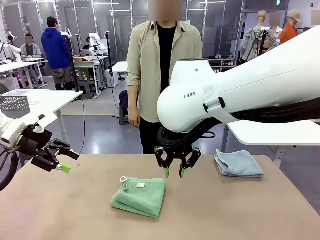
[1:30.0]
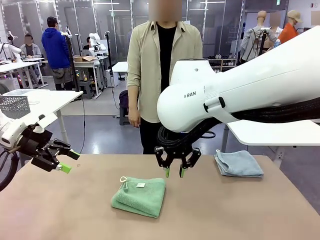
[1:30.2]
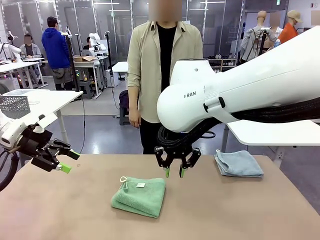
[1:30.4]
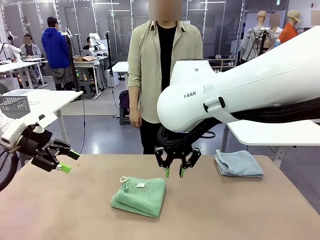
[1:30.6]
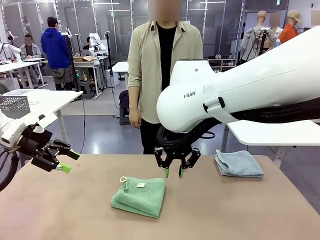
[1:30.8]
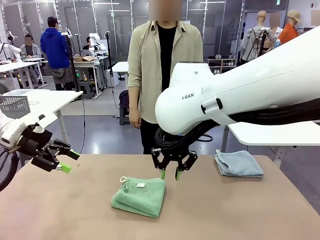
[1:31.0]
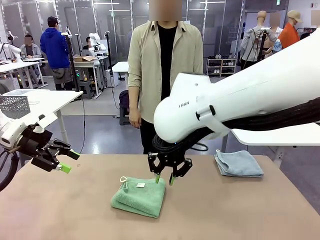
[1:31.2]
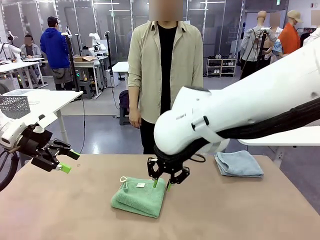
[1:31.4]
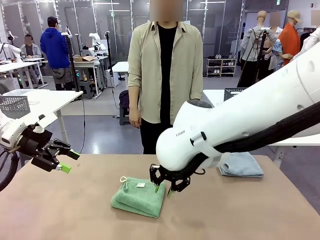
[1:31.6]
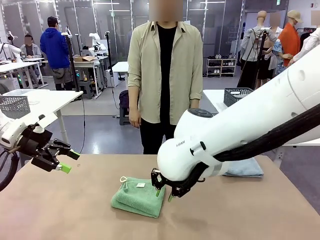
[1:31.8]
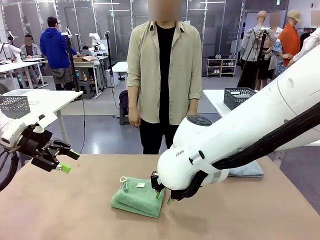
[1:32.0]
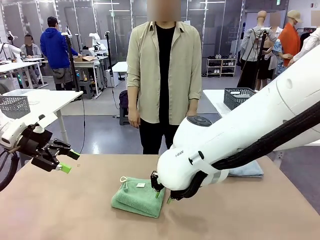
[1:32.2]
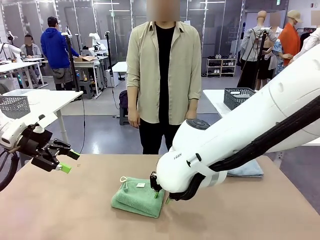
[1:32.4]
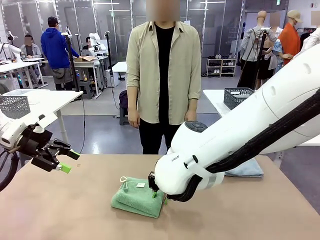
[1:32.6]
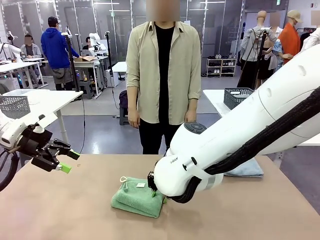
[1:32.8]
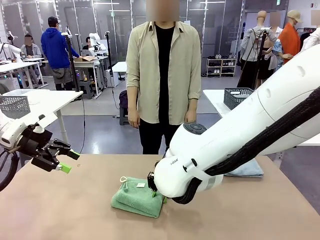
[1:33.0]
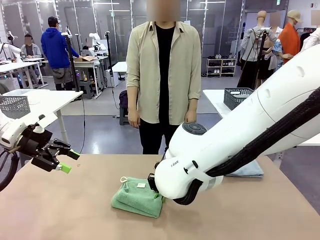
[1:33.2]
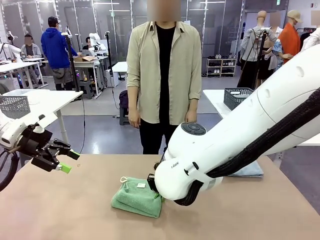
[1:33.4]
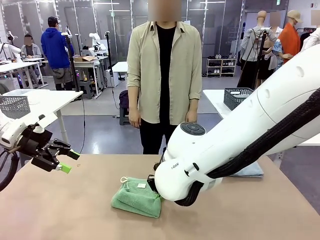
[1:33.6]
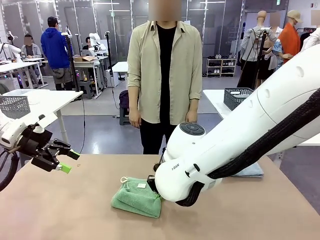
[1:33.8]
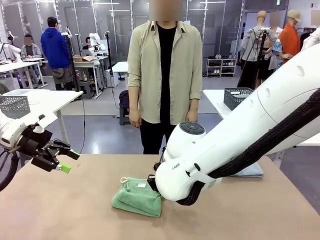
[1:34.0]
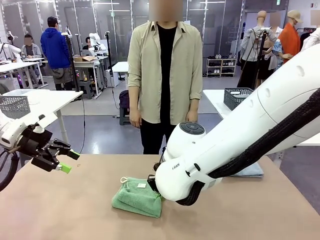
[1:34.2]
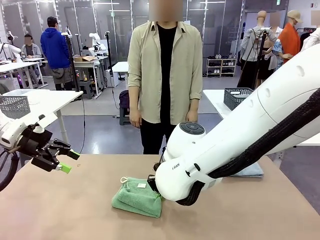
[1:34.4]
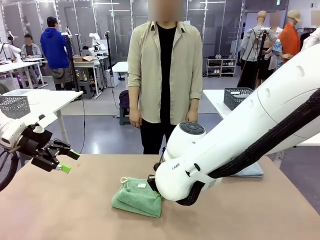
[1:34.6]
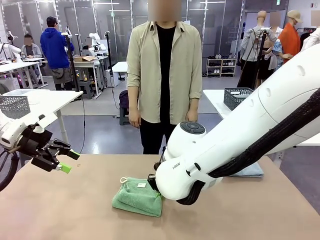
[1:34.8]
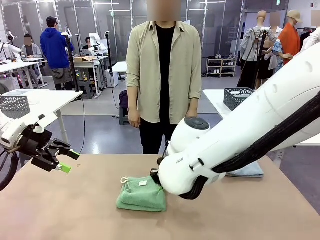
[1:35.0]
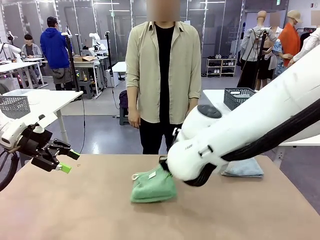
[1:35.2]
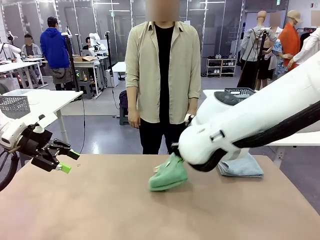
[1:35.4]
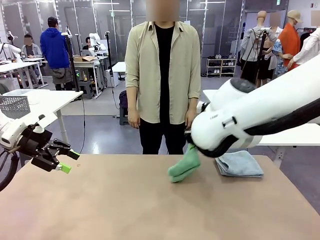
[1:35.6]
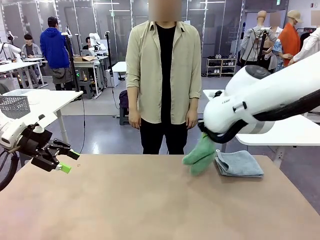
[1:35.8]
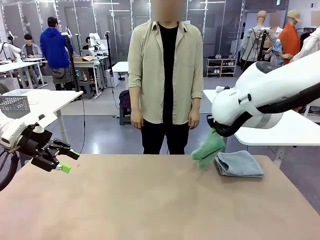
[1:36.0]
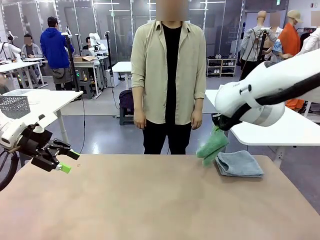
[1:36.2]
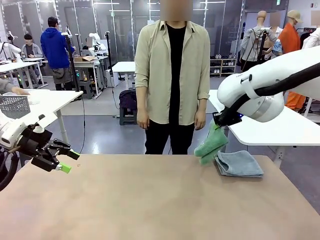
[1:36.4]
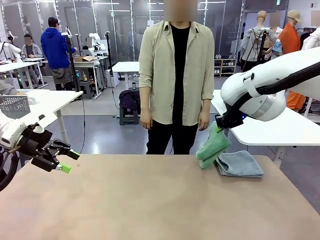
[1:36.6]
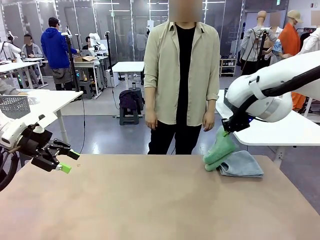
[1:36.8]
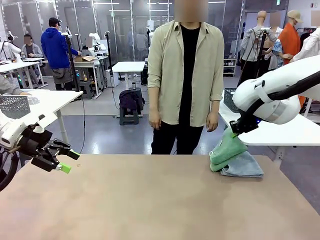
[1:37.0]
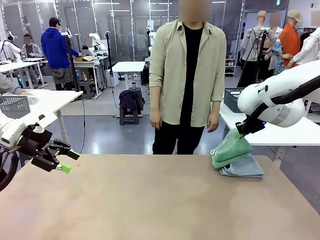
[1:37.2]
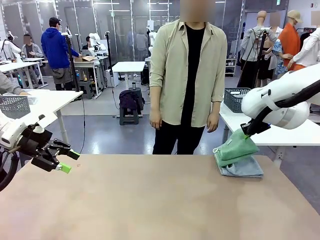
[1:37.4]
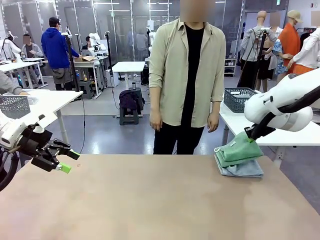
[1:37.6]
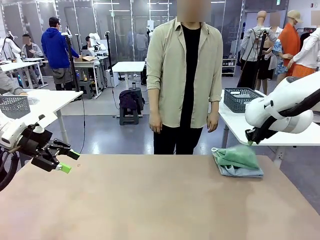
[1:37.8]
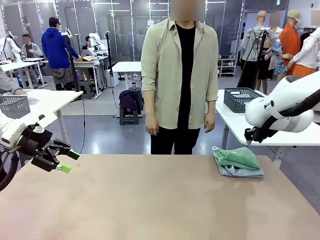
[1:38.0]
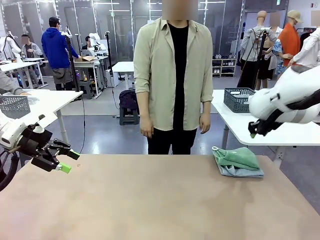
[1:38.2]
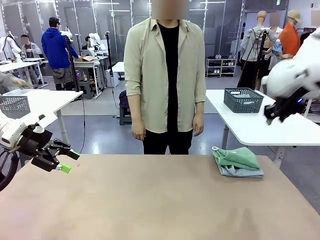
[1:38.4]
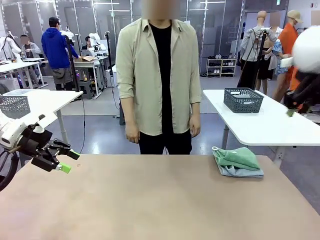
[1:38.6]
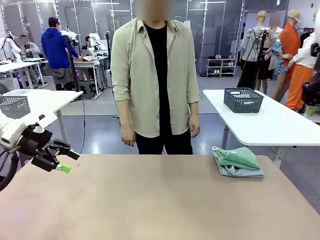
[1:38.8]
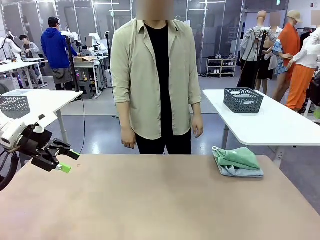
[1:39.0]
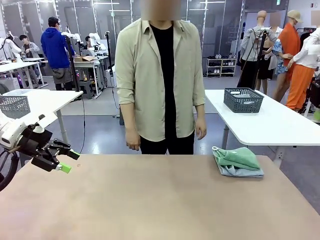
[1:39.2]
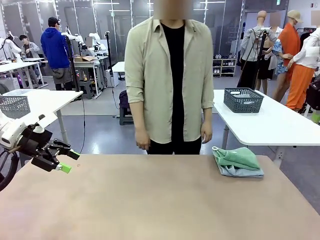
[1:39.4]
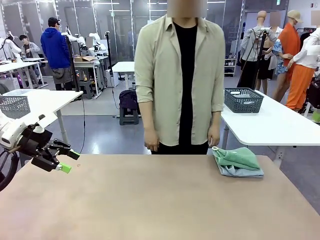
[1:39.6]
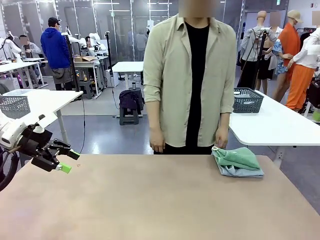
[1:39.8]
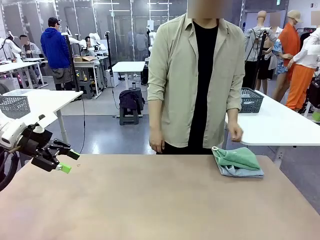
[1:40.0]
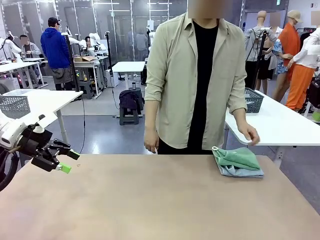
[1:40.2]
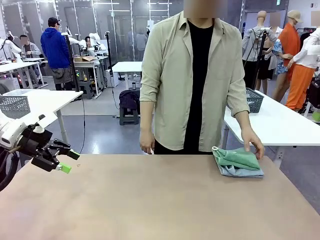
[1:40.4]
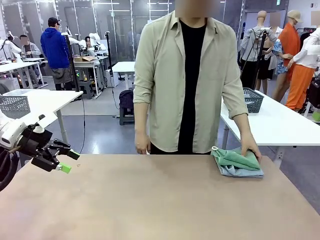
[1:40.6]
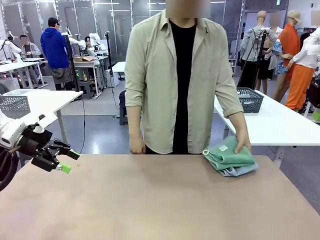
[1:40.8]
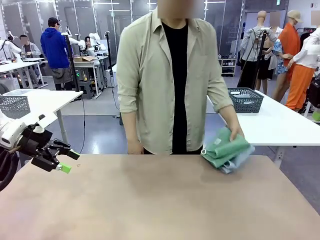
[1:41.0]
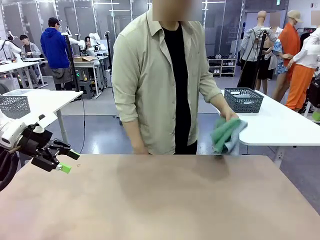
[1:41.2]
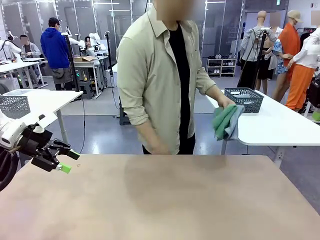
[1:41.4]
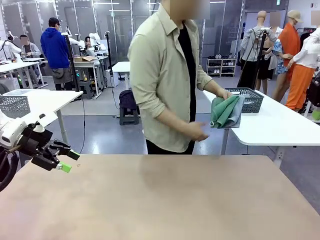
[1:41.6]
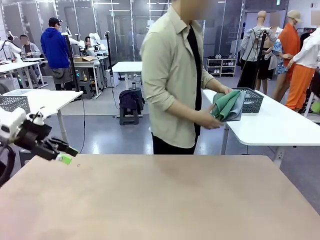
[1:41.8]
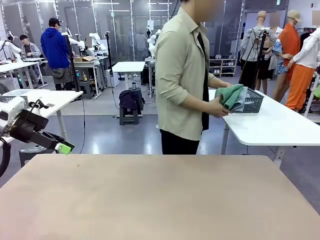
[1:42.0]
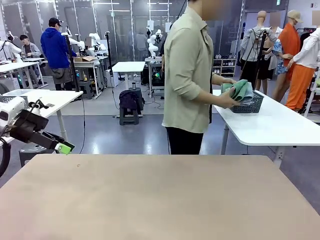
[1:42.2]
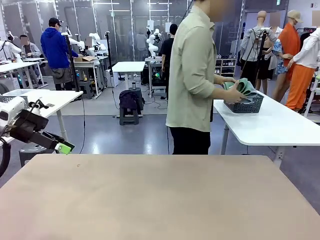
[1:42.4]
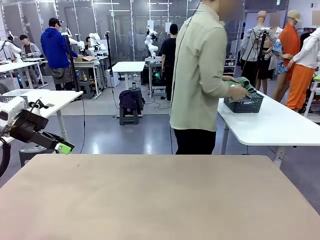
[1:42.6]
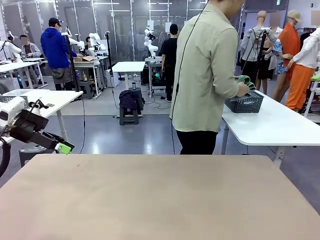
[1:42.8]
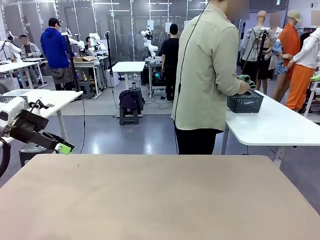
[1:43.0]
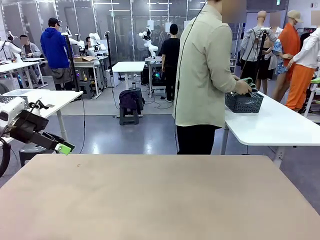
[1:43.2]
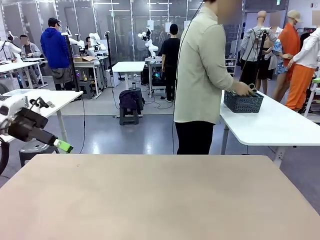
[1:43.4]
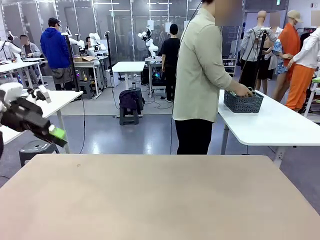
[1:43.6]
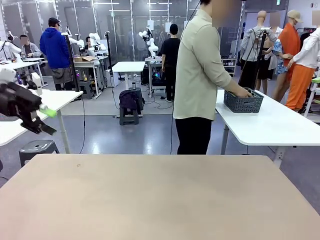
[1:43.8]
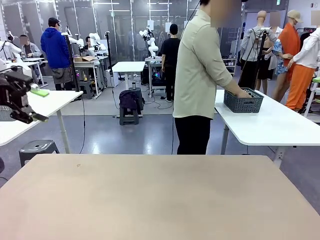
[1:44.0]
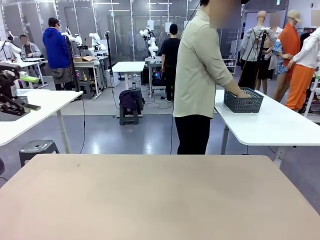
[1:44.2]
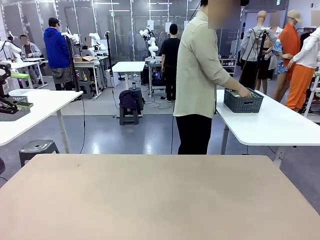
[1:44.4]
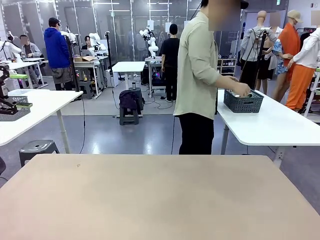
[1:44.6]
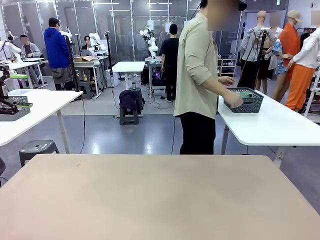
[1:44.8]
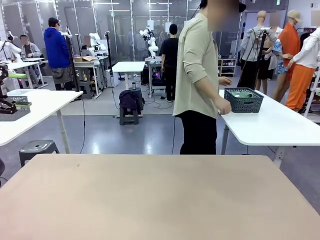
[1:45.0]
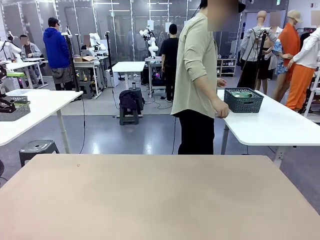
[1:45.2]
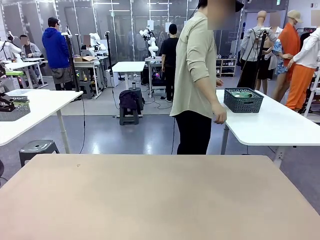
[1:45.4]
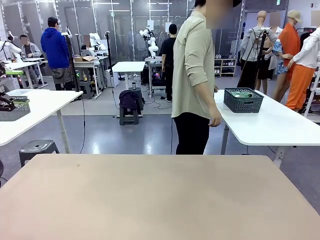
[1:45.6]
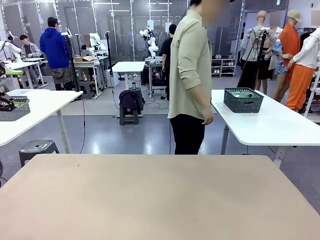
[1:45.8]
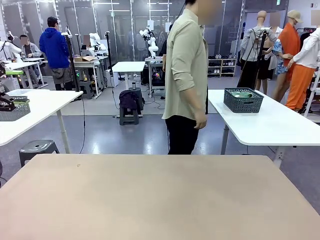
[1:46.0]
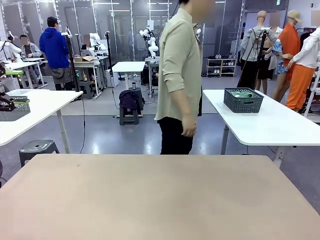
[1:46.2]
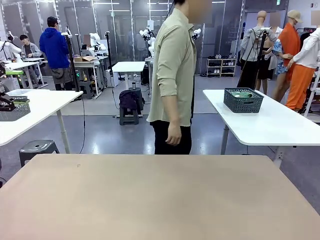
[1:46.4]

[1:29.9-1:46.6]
Task: Fold the towels and place them in the basket.
Robot: Stack the folded Towel with hook on the right side of the table.
Person: Pick up the stack of towels from the robot table and place it into the basket.
